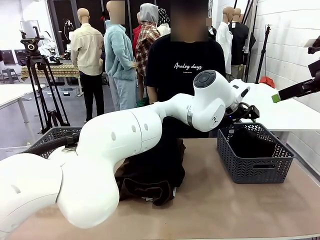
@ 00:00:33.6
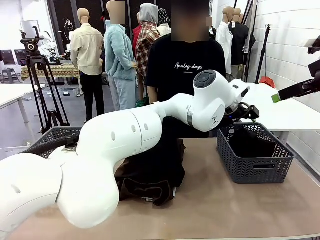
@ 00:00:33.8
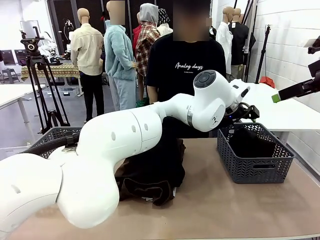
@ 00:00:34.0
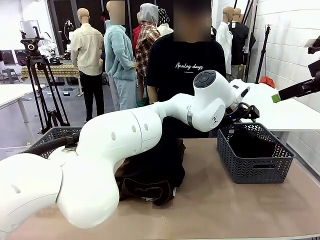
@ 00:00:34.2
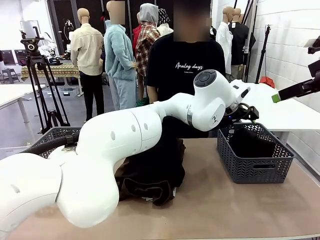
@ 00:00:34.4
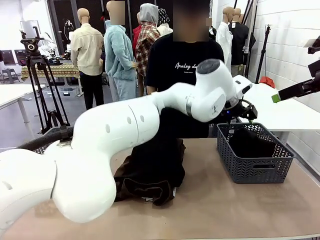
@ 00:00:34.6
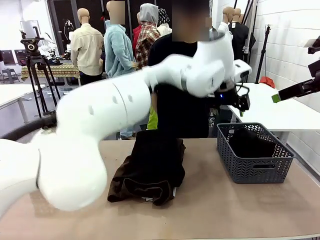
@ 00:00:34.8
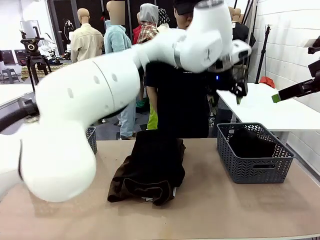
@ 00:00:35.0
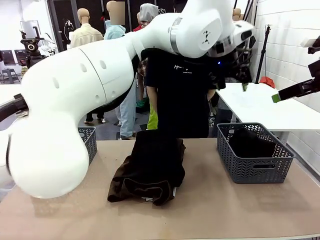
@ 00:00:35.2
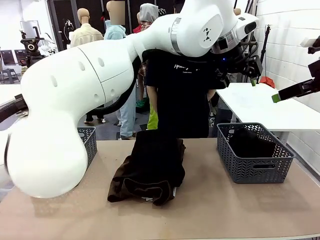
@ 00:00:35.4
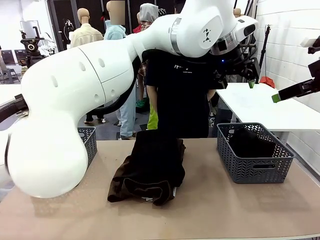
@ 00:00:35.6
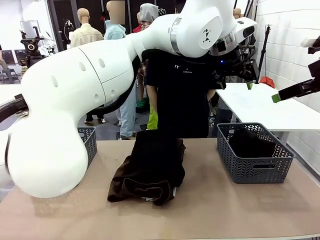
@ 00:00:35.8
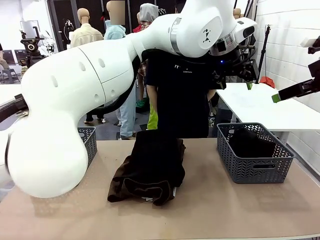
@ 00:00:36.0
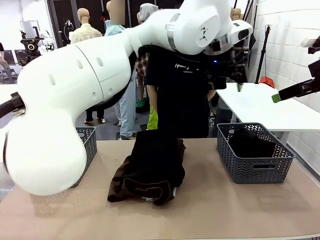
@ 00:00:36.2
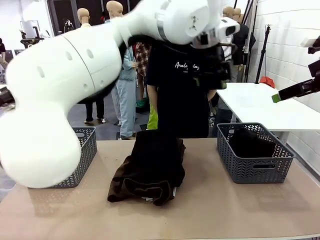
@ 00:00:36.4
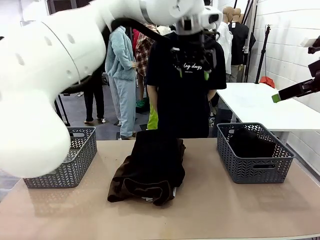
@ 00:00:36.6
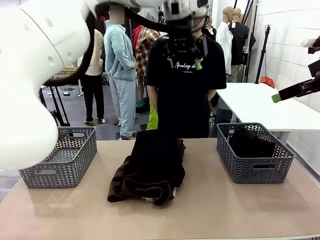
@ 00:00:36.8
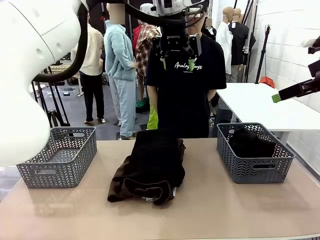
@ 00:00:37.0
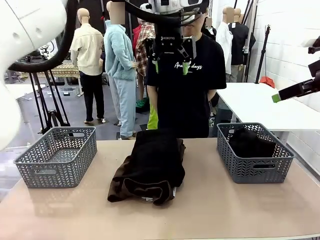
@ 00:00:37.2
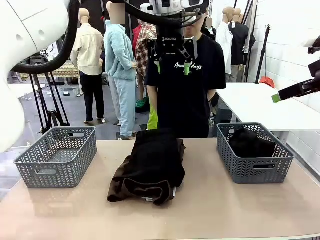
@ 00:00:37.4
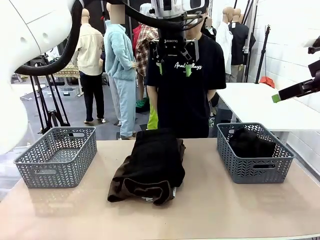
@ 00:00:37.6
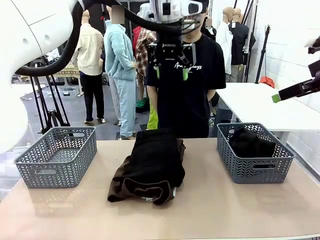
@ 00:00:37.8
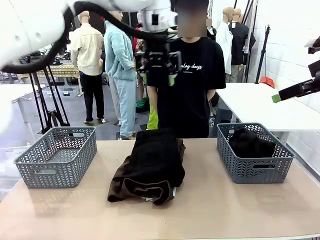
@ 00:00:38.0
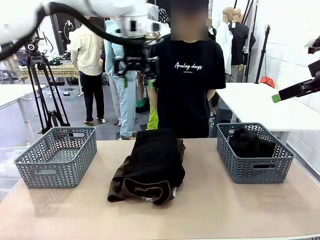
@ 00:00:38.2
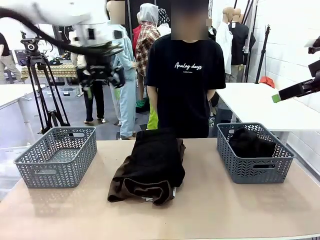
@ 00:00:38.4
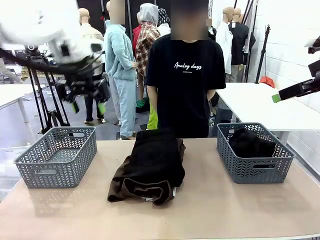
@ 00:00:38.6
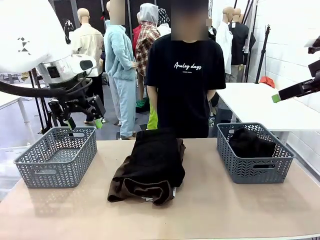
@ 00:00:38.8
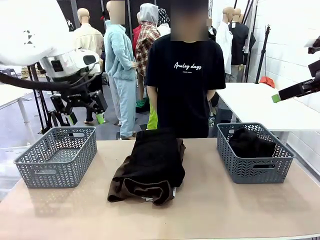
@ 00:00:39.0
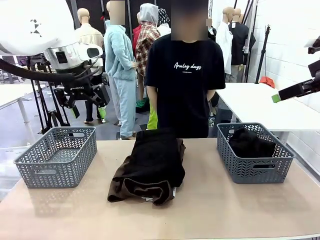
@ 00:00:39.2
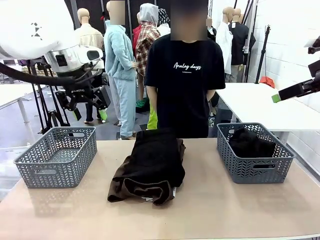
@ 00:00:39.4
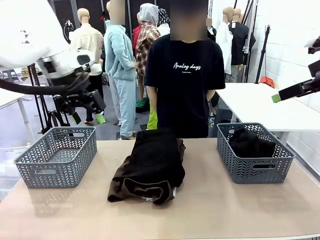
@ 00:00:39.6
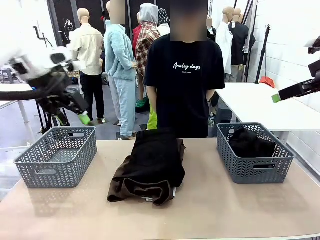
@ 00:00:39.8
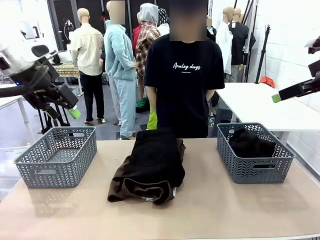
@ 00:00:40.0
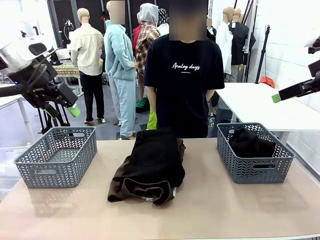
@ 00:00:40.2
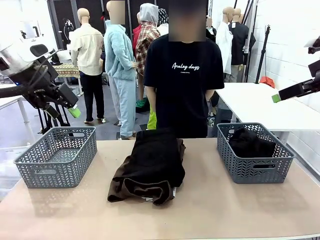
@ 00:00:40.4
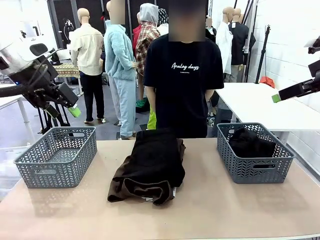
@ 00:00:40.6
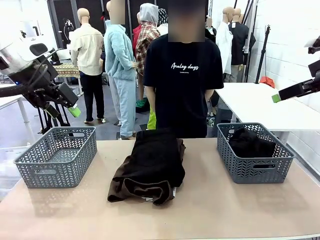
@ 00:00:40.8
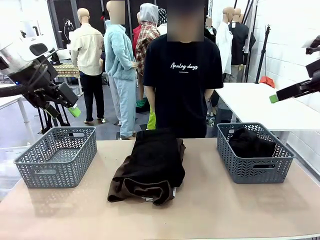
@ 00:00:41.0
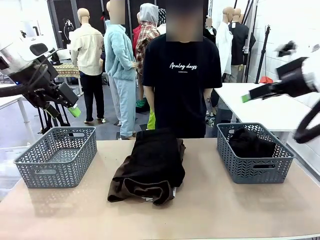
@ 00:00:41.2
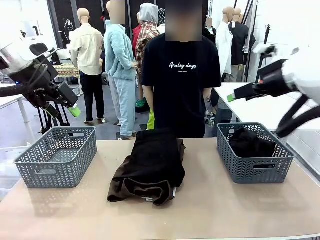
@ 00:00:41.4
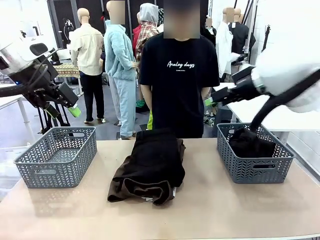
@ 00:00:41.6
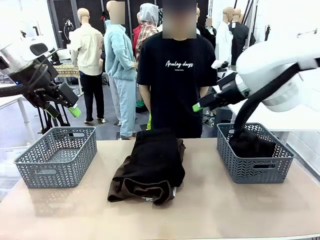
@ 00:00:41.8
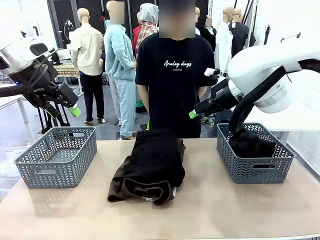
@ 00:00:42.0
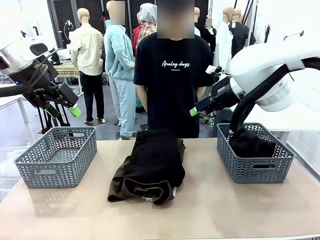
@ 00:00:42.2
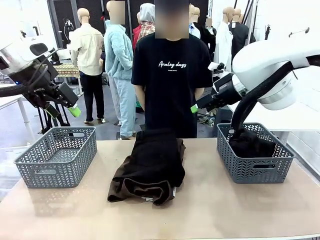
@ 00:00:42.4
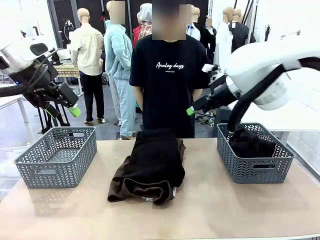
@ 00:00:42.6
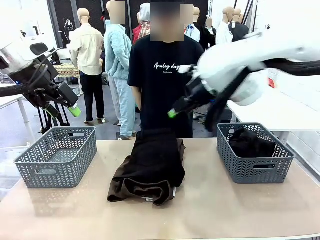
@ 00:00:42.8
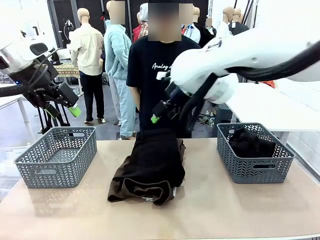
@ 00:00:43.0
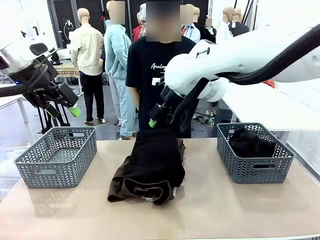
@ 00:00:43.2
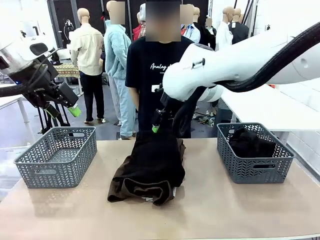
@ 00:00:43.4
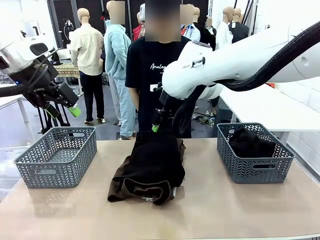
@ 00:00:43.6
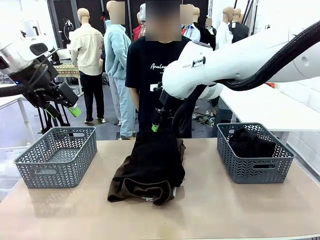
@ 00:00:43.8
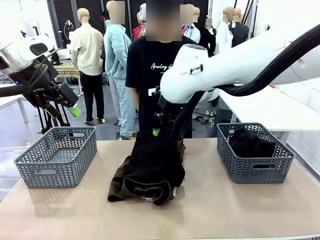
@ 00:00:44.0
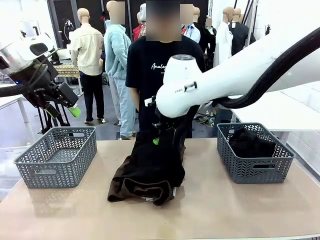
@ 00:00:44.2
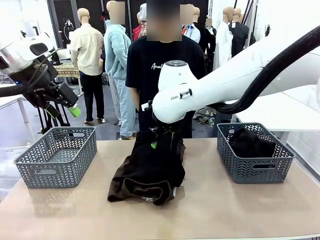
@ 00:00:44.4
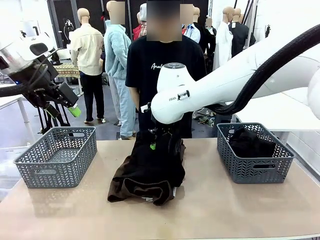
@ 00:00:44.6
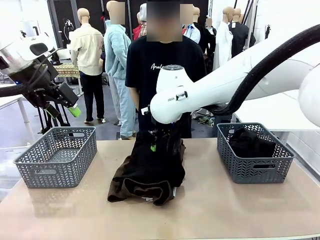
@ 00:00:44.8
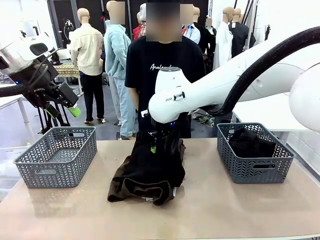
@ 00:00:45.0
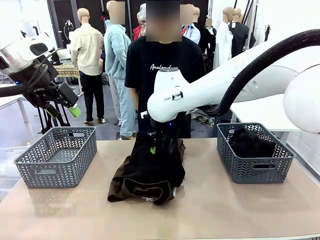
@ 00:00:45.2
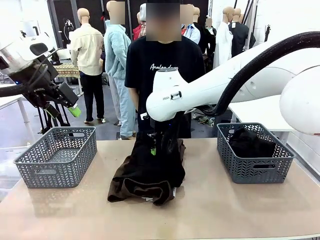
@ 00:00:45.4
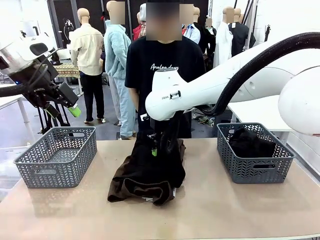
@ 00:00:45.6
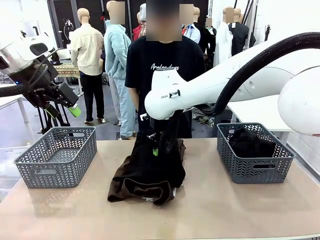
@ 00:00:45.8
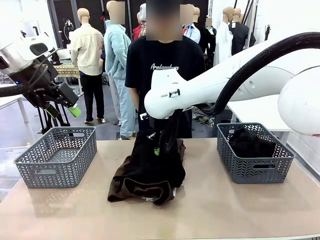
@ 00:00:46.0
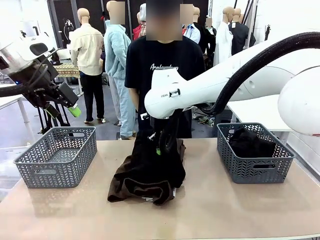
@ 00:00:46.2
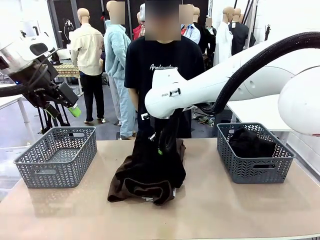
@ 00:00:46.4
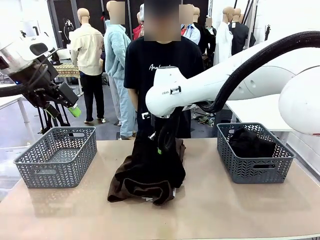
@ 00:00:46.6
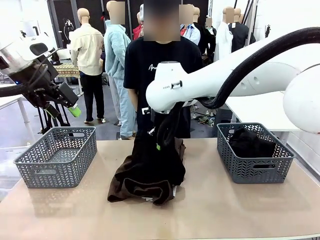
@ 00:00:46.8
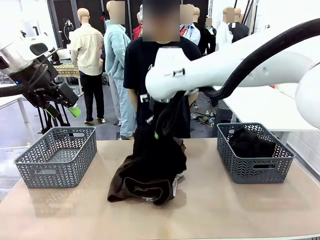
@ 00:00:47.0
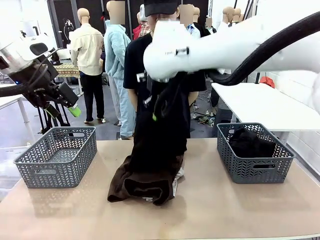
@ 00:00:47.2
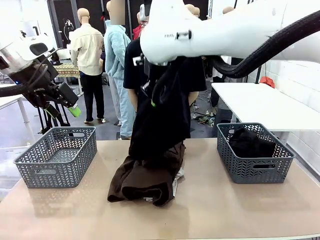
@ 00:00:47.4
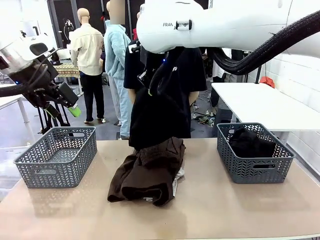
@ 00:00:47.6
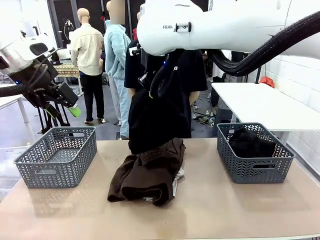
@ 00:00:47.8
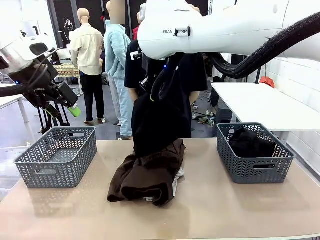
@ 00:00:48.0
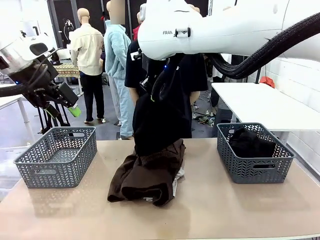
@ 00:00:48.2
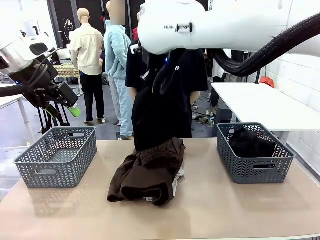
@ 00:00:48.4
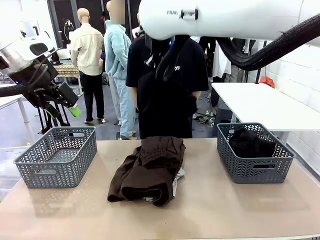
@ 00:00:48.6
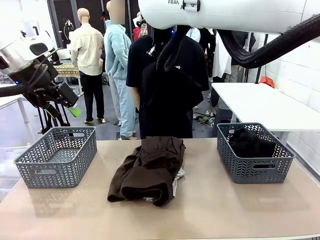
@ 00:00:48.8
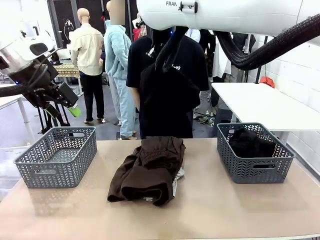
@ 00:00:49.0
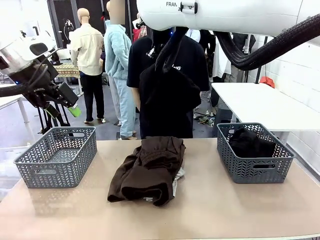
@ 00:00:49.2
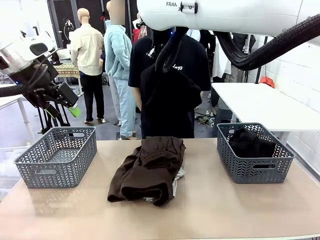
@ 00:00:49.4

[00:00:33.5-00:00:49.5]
Task: Sort the tops and bottoms.
Robot: Lift clothes from the center of the table with your right hand.
